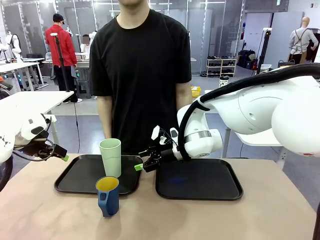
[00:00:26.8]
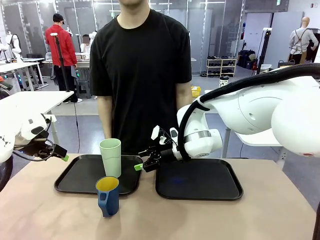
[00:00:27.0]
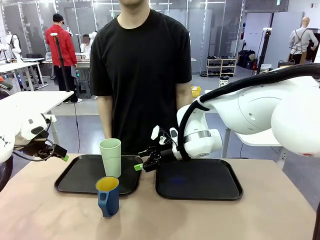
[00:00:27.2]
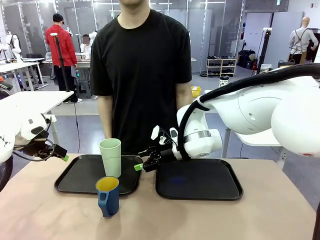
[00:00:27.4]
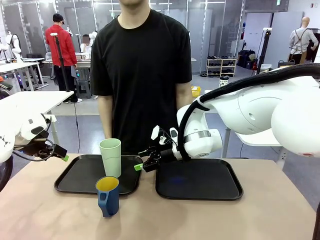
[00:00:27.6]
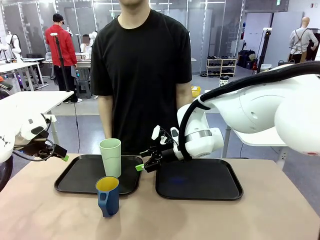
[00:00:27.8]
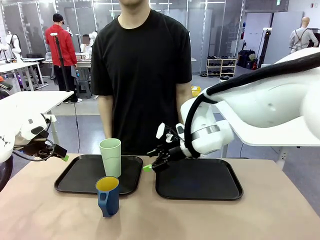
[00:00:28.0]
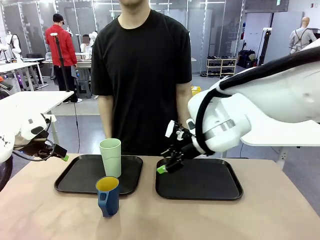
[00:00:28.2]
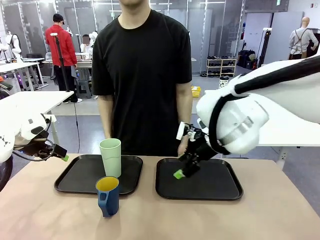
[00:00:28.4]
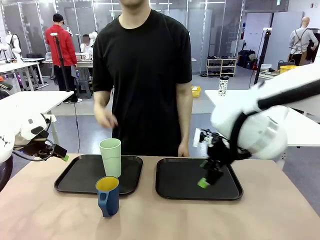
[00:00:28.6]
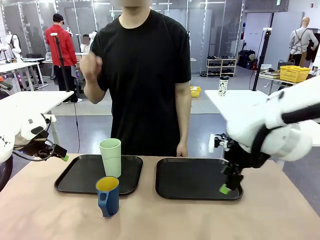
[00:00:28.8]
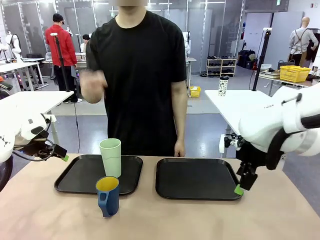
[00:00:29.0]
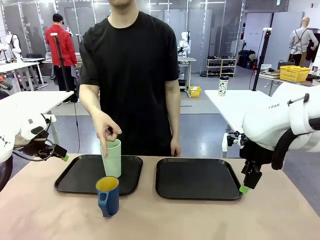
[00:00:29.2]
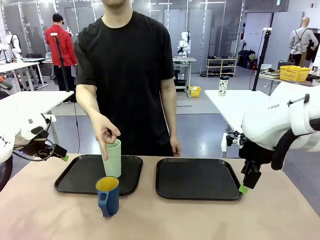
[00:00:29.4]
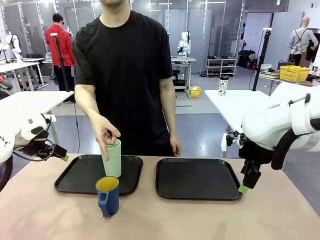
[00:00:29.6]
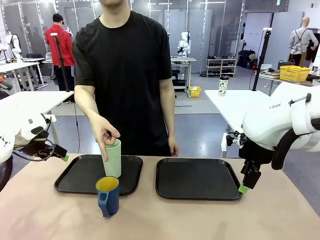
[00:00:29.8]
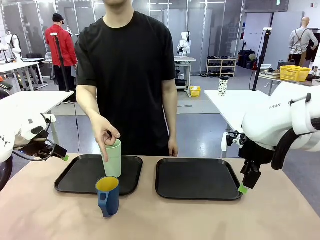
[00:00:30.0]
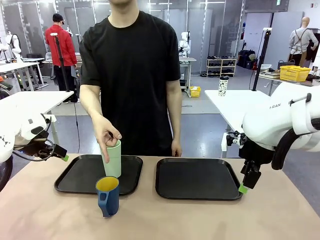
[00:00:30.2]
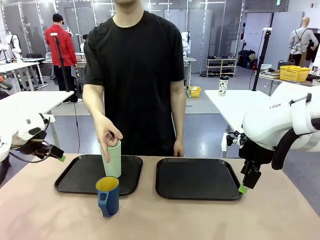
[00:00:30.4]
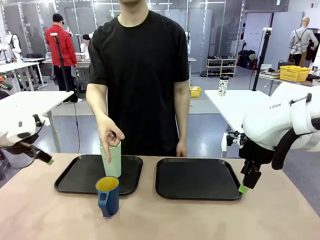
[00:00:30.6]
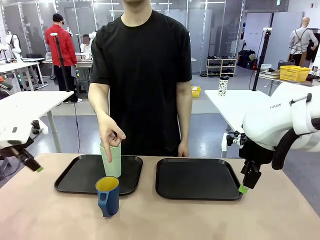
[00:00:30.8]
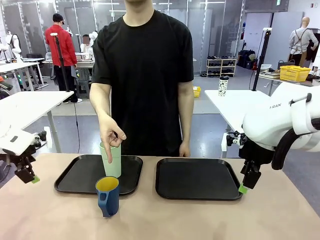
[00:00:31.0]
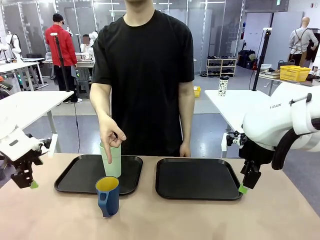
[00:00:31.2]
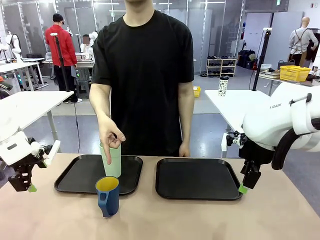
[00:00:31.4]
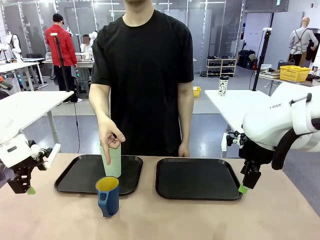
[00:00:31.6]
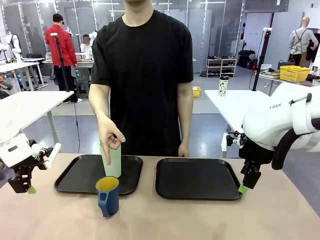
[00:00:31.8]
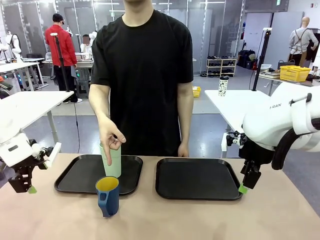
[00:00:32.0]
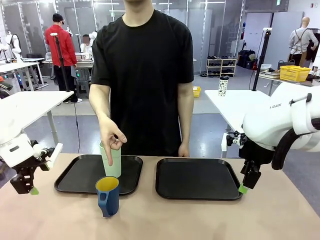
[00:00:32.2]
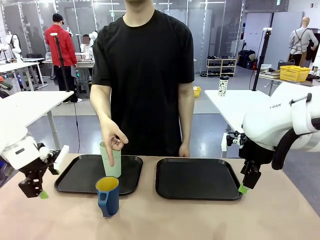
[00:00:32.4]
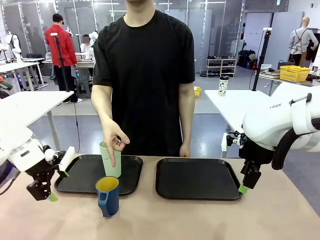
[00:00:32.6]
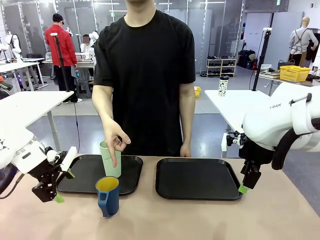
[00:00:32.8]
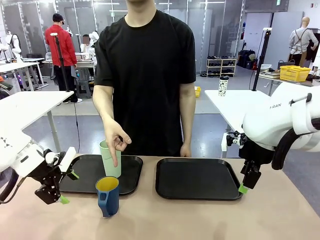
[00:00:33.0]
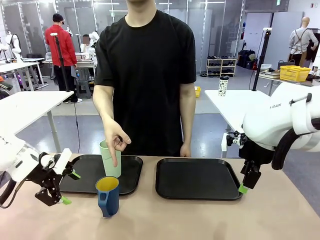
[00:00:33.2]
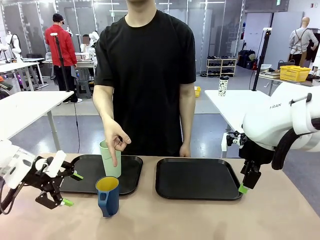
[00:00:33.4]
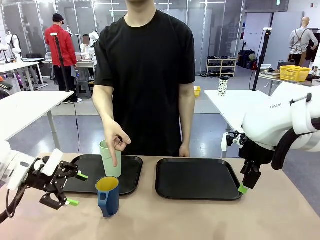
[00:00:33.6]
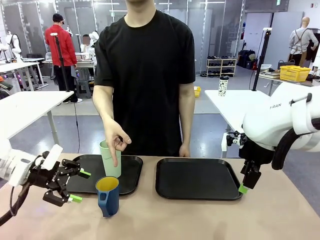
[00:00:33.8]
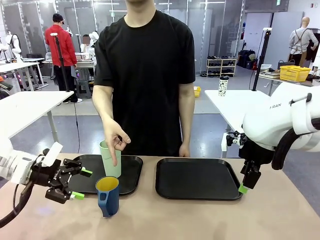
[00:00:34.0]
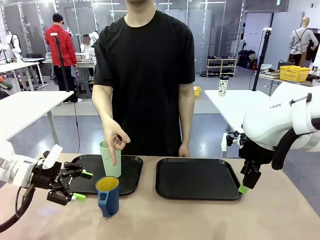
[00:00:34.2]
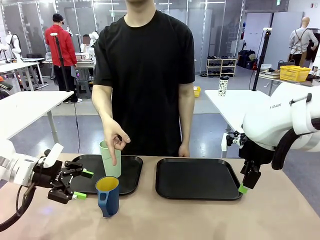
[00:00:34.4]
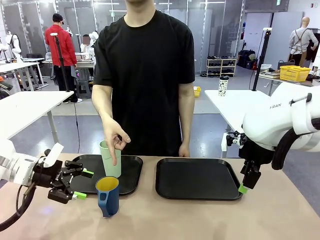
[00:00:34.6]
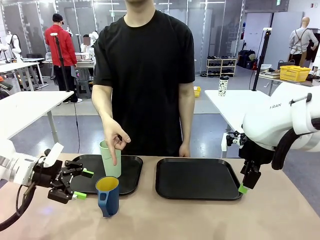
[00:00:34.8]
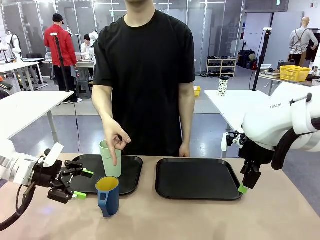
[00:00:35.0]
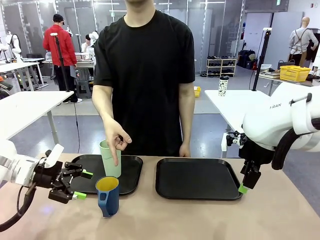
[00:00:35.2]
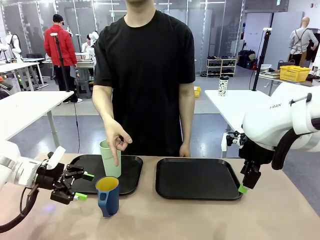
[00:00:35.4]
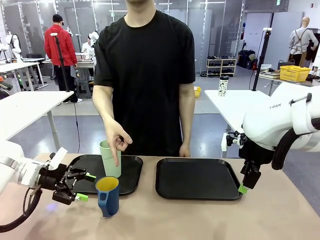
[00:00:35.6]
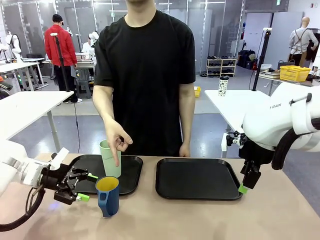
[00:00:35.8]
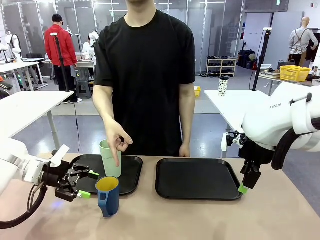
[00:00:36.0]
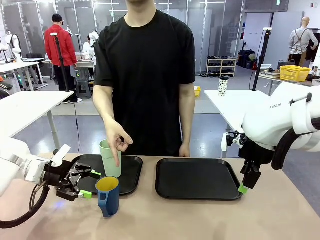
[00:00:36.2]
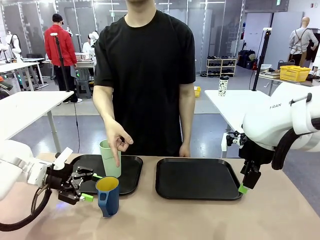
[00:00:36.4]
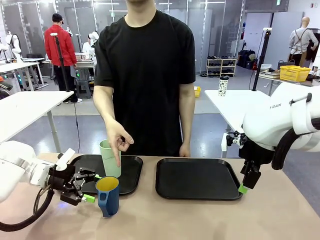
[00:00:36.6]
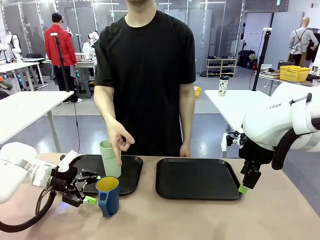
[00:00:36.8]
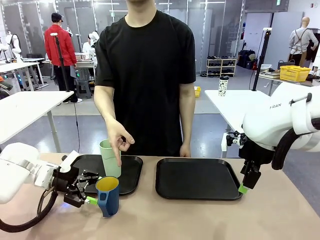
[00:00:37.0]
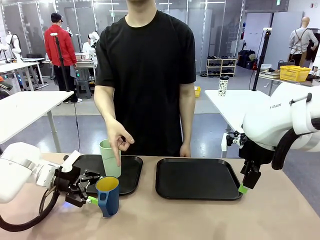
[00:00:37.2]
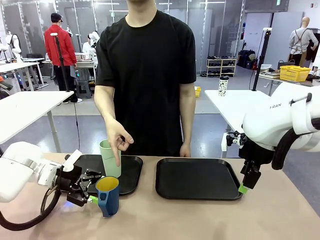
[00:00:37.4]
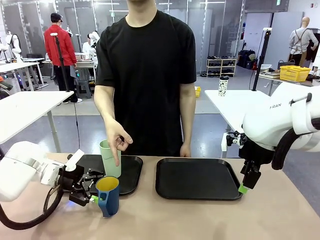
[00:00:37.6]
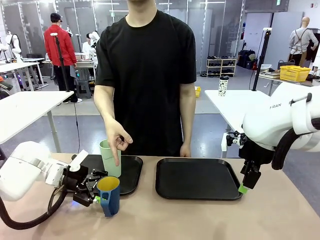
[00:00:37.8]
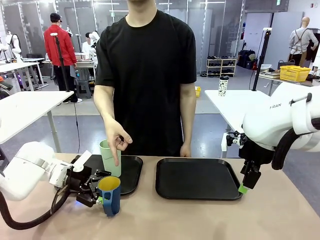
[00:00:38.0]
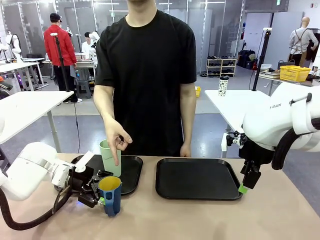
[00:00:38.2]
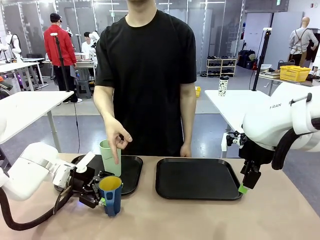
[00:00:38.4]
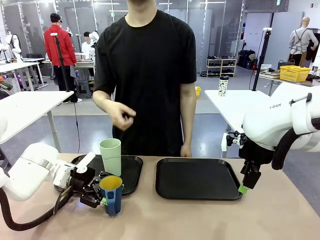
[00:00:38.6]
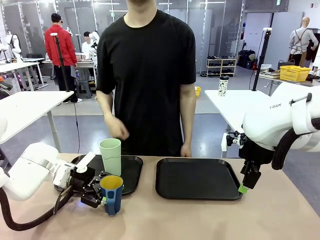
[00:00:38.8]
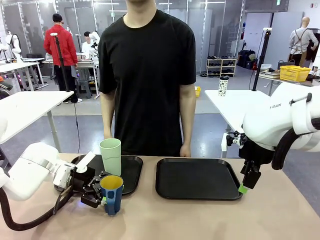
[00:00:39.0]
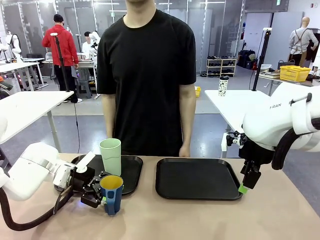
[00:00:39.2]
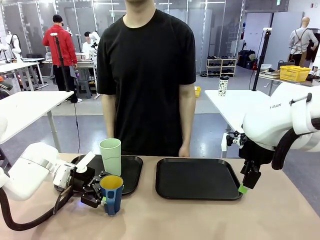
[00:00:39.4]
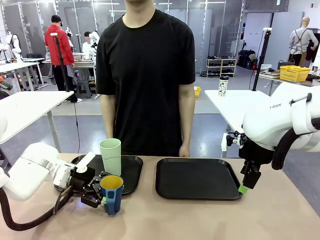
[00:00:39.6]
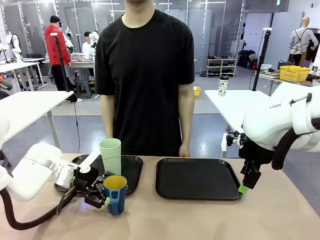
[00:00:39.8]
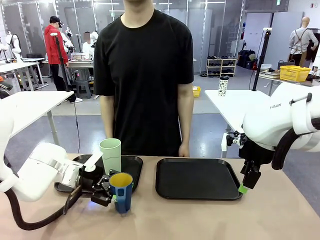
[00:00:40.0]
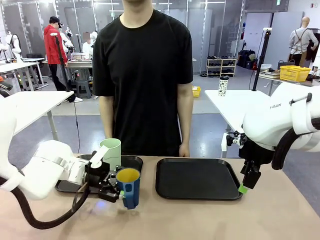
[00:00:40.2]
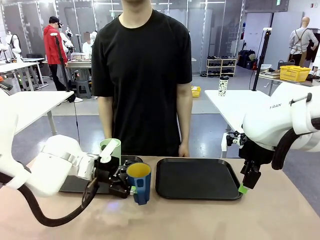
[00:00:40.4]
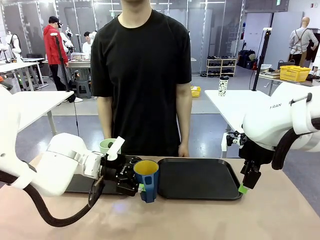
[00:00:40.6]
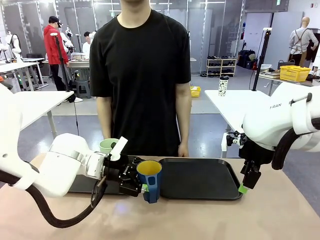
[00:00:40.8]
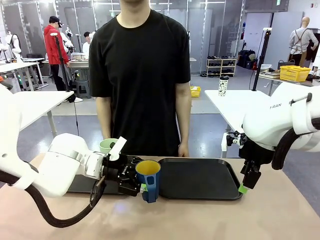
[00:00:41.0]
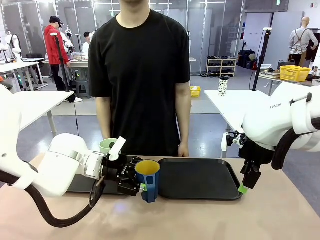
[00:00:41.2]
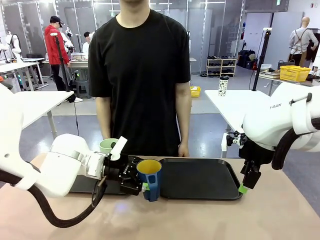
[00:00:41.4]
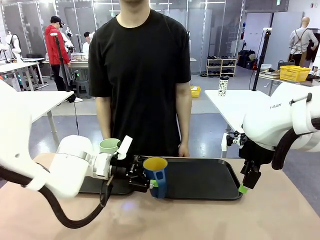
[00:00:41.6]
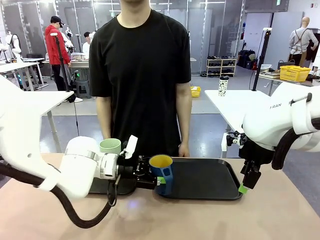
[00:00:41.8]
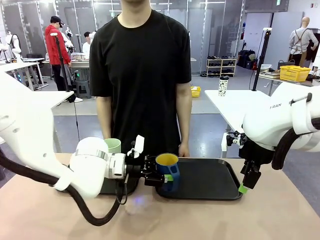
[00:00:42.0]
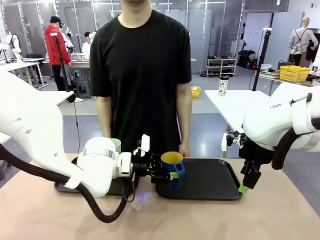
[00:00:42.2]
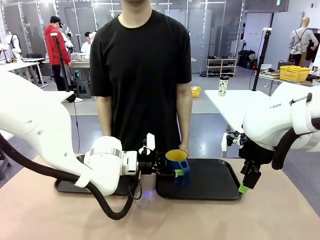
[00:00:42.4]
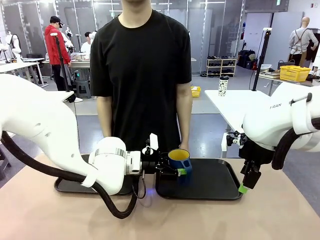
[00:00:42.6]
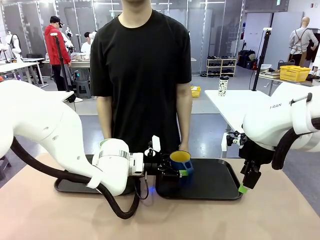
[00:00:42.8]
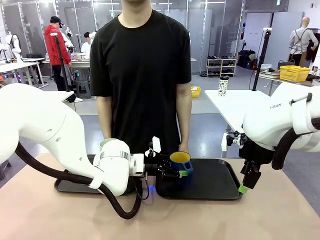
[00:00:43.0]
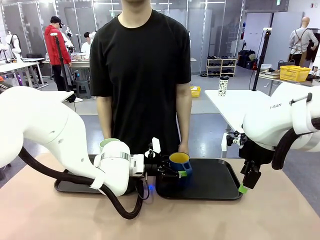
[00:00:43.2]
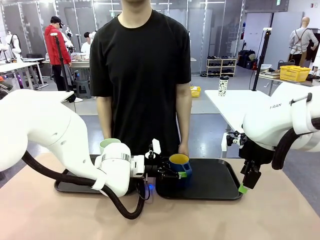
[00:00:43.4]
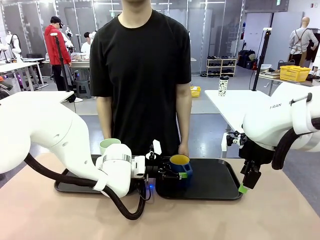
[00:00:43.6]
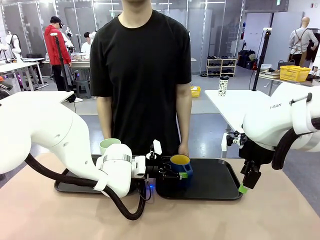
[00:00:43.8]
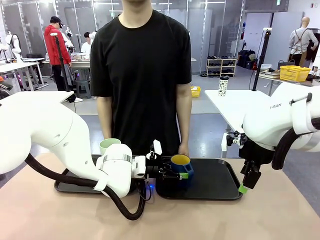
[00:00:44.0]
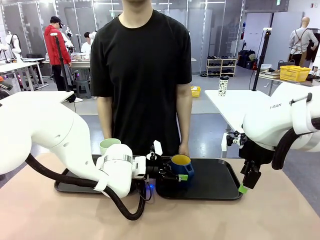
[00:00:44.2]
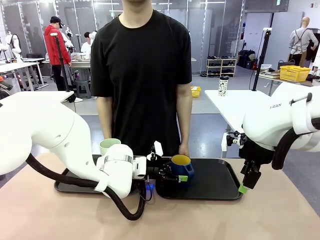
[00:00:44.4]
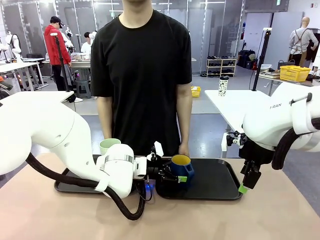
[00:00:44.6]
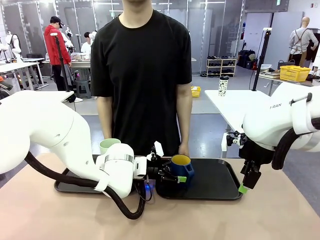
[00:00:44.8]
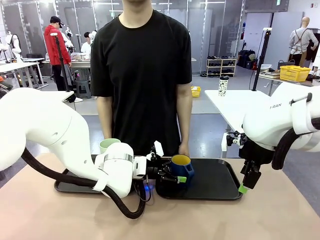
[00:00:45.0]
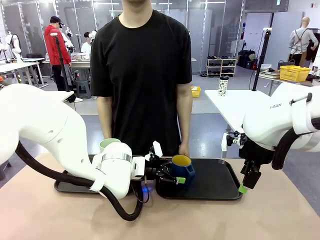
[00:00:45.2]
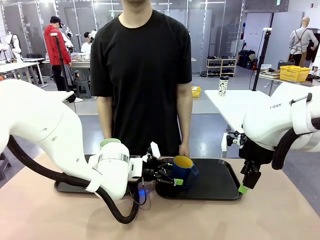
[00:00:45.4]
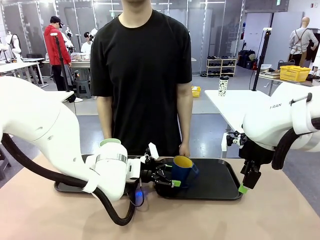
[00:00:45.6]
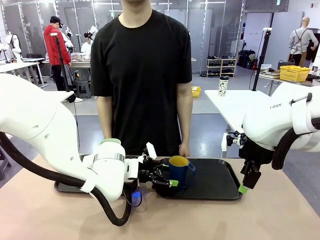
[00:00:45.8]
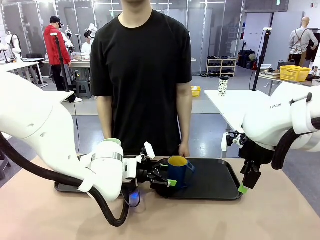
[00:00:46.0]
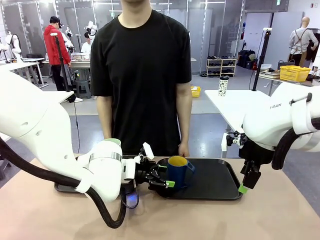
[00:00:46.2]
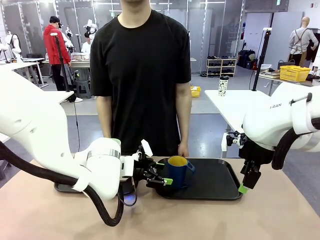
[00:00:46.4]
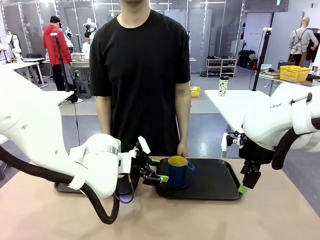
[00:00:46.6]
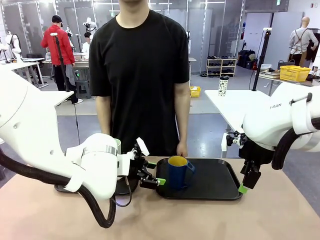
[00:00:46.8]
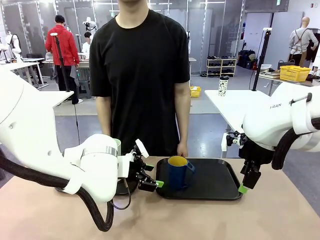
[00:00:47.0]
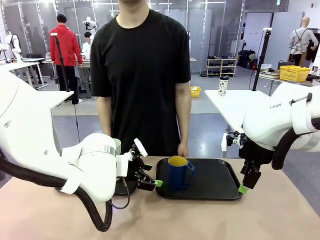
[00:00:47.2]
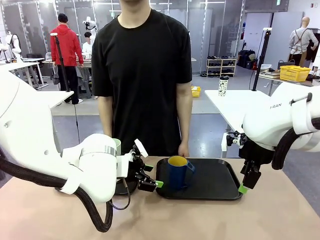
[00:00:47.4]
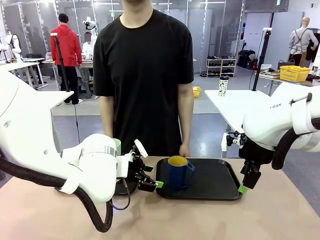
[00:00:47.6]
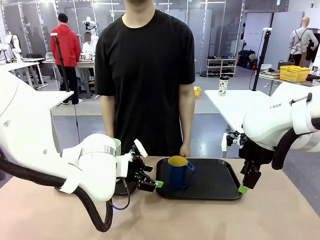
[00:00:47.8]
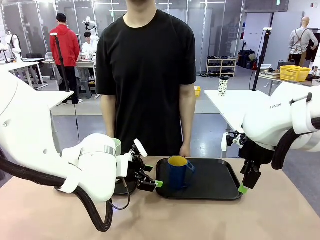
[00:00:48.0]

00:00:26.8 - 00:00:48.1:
Task: Sort and store the cups by type.
Robot: Pick up the Handle plastic cup and place it into the empty Flat Tray.
Person: Points to the cup with a handle.
